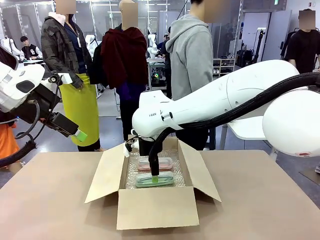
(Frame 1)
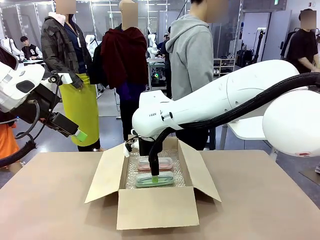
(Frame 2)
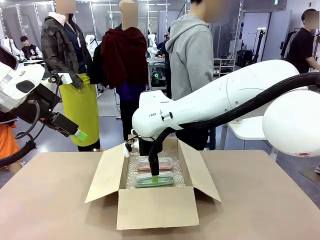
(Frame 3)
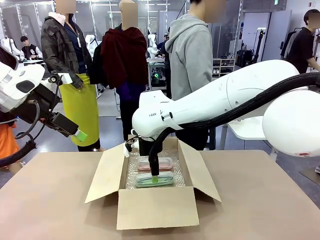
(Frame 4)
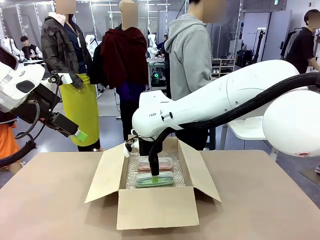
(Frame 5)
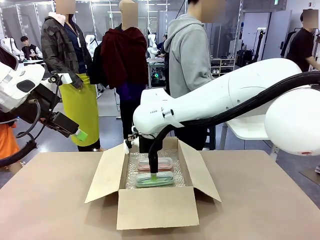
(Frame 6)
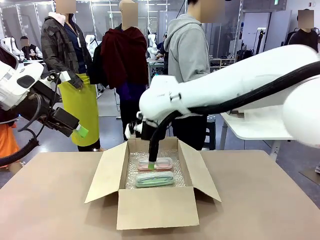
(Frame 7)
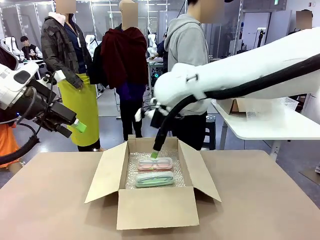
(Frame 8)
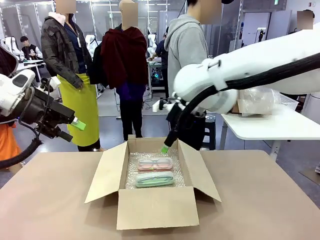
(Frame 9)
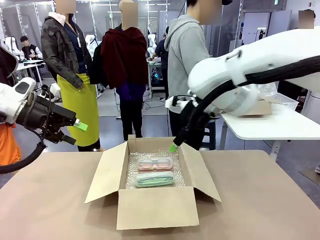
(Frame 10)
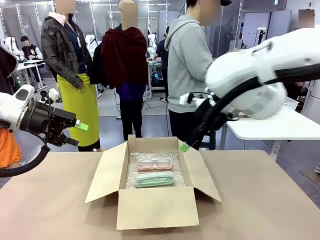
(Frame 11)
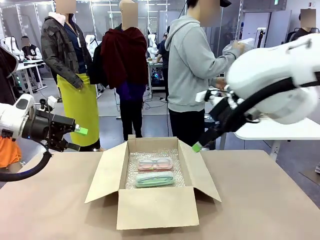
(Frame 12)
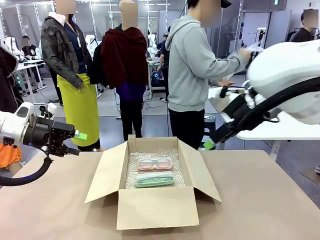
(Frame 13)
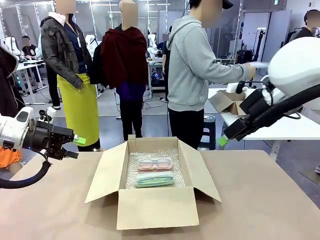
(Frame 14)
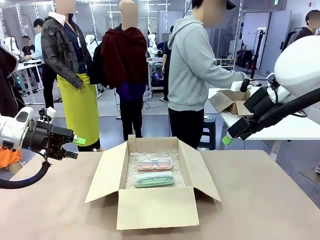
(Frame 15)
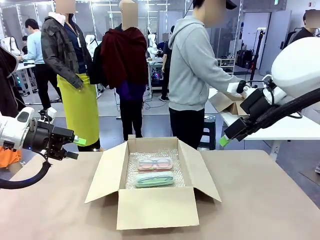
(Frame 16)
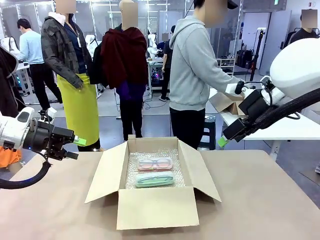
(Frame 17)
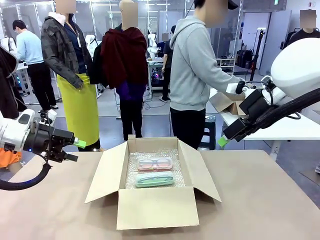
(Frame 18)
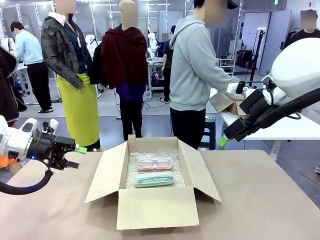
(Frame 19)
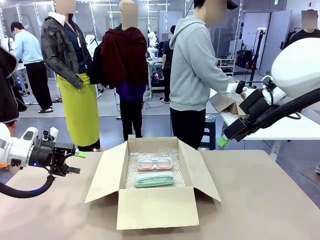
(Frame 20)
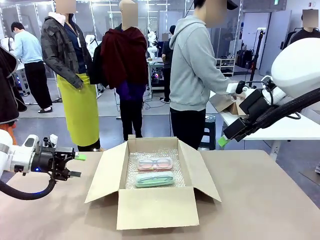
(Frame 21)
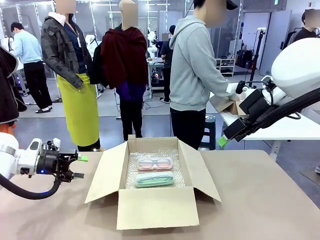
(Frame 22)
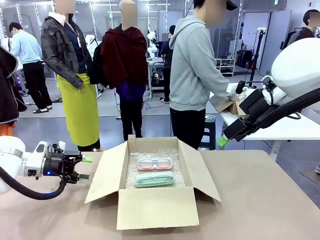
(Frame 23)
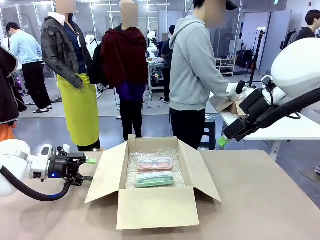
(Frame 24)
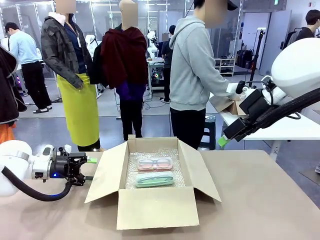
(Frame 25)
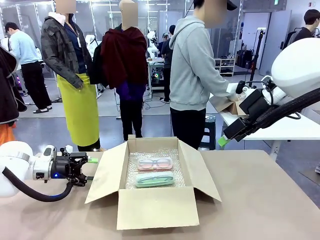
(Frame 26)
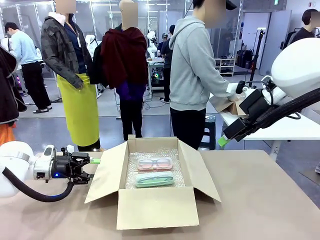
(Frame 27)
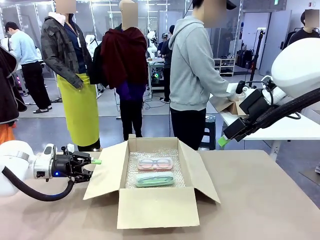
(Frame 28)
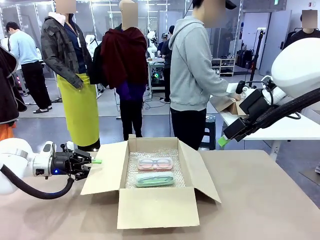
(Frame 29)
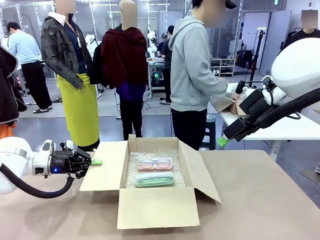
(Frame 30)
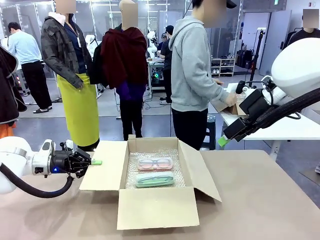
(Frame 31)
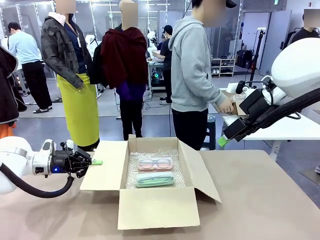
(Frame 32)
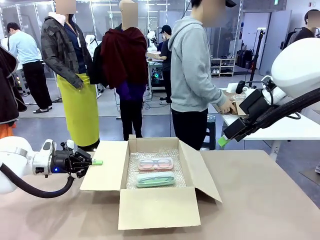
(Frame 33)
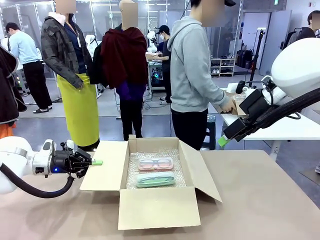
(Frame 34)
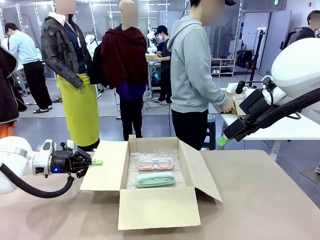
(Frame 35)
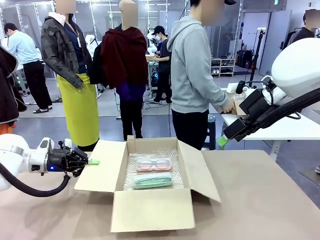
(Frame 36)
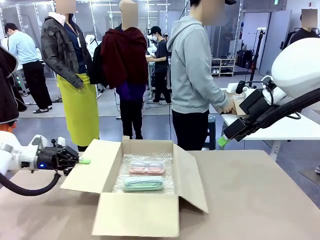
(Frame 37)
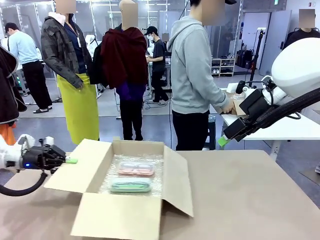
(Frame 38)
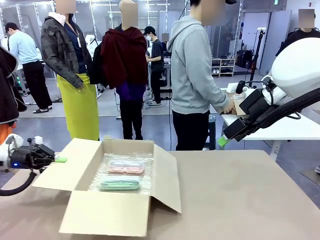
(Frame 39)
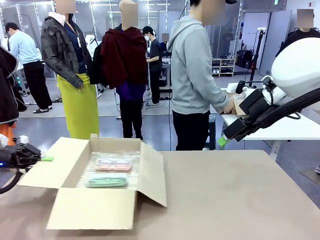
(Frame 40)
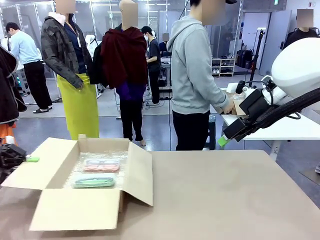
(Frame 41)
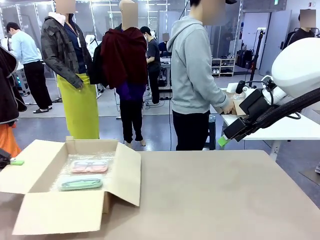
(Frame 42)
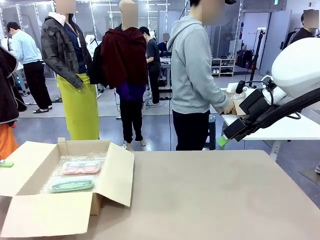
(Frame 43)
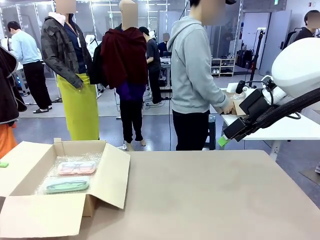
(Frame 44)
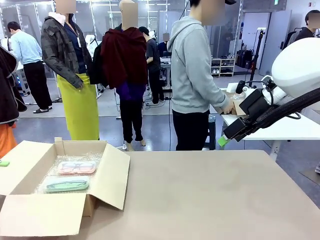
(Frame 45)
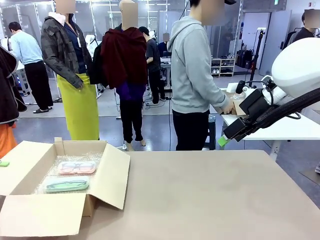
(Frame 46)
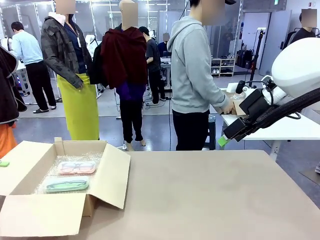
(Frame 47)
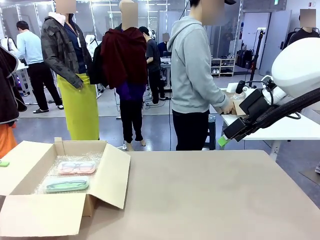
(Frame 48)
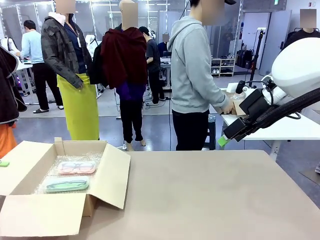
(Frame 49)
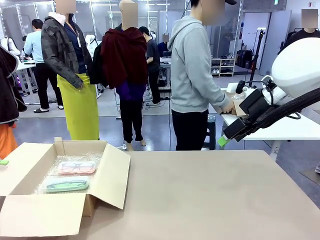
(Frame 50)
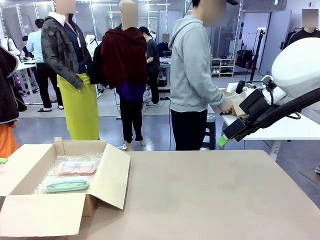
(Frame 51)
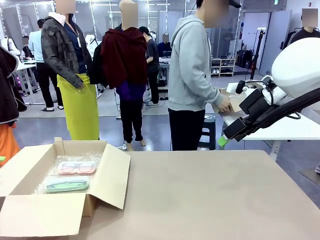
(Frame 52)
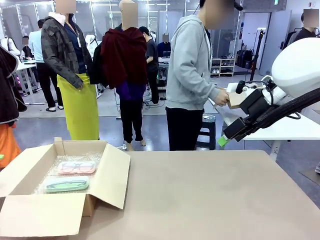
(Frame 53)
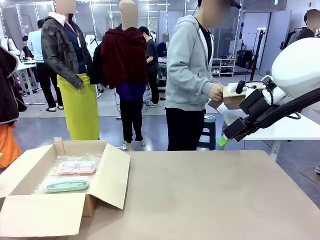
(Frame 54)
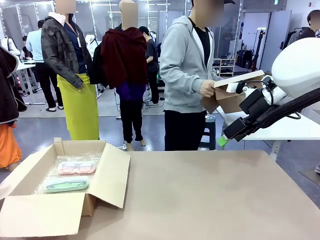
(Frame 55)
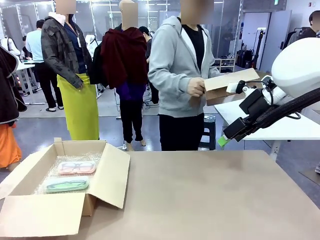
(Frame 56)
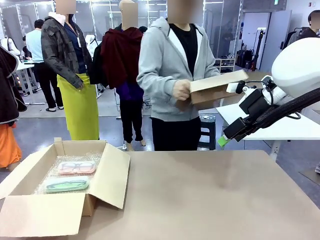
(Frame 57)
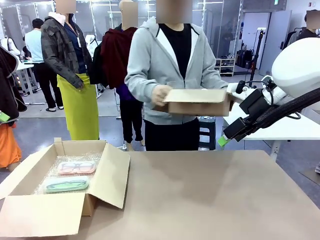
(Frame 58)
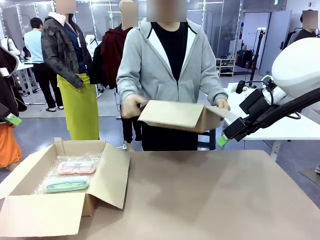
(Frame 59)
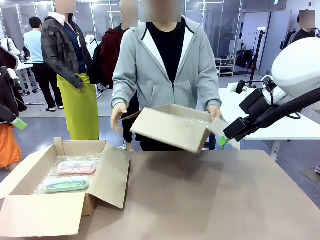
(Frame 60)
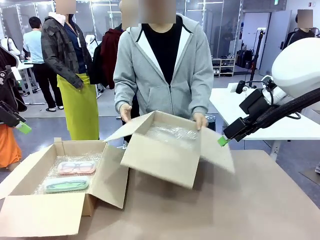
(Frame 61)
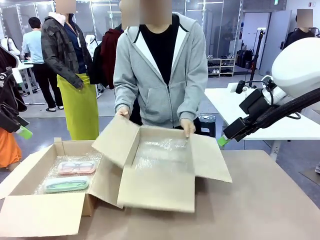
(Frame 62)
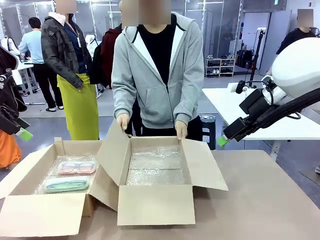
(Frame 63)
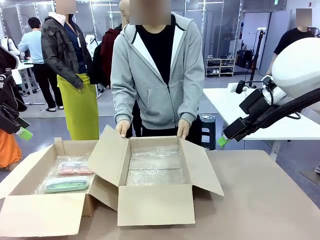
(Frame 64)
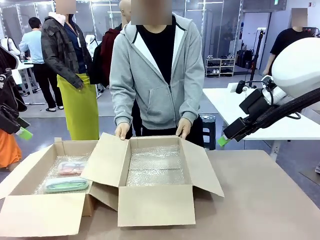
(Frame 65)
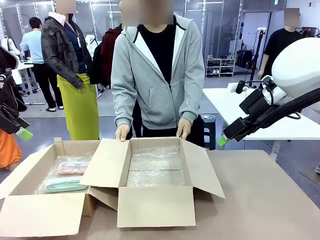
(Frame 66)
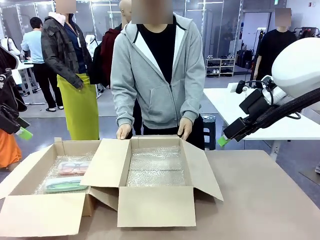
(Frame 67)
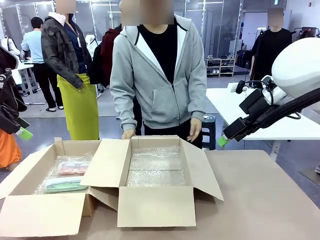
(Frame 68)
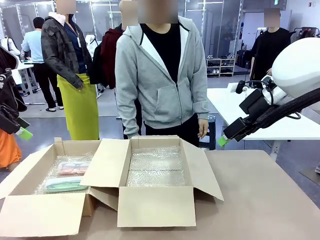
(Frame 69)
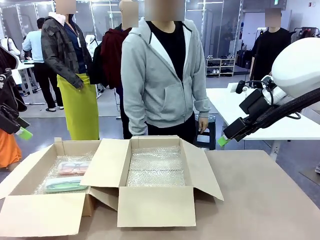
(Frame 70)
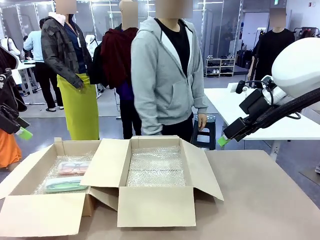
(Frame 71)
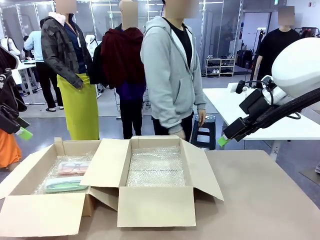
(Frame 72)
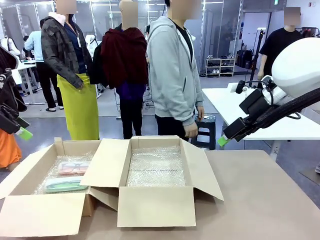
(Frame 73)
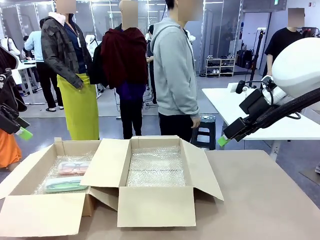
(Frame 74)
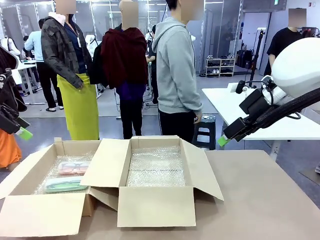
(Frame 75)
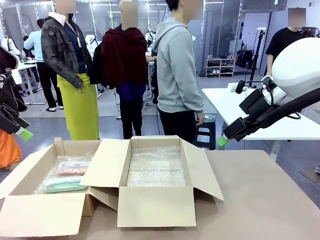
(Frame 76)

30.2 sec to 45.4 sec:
Task: Pack the glasses set securely to prepare it for shipping.
Robot: Position the Package Box on the left side of the table.
Person: Position the empty Package Box in the middle of the robot's table.
